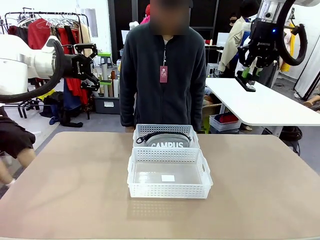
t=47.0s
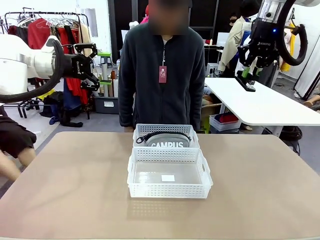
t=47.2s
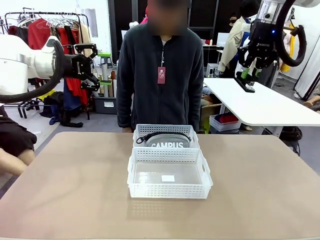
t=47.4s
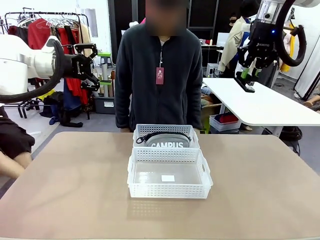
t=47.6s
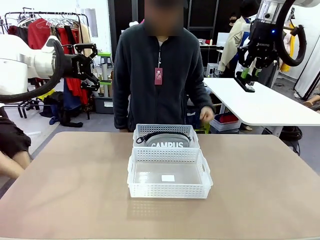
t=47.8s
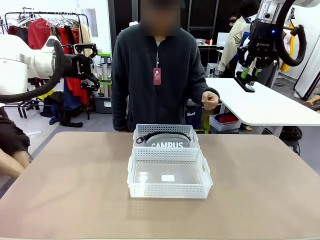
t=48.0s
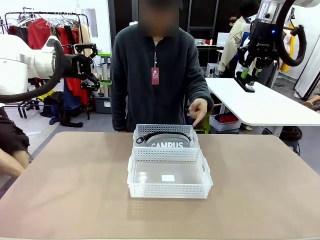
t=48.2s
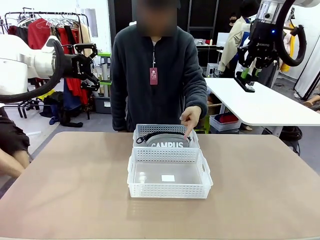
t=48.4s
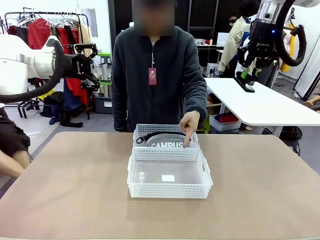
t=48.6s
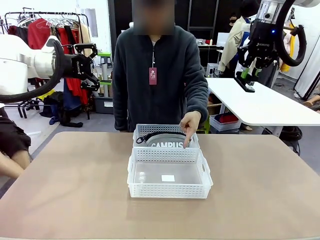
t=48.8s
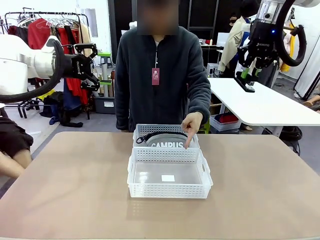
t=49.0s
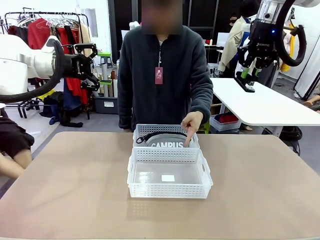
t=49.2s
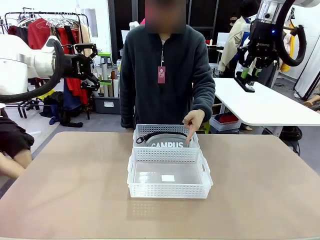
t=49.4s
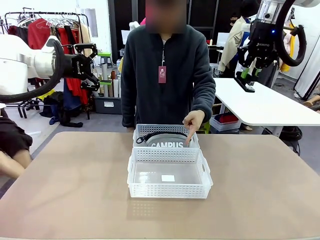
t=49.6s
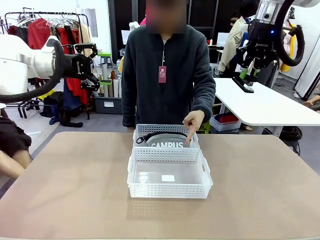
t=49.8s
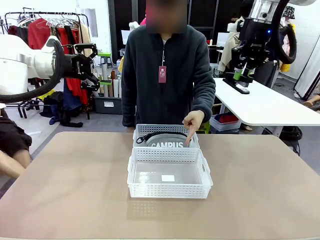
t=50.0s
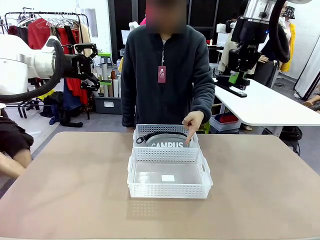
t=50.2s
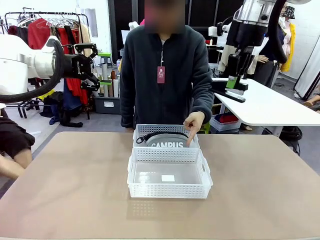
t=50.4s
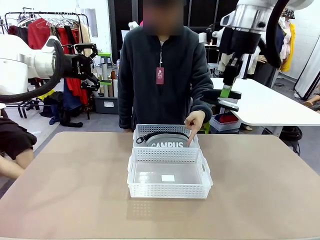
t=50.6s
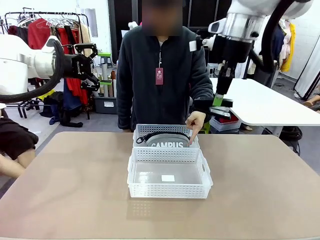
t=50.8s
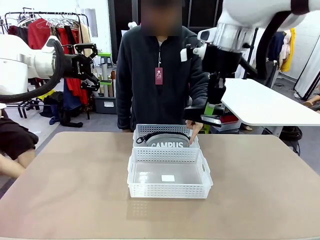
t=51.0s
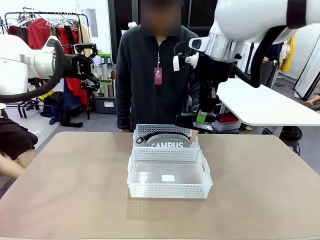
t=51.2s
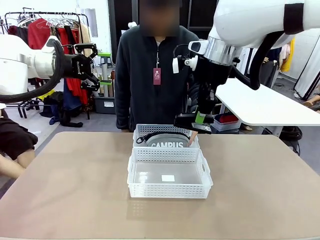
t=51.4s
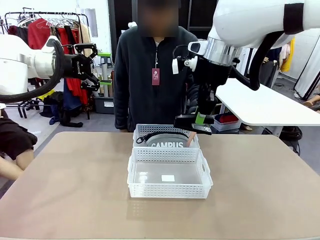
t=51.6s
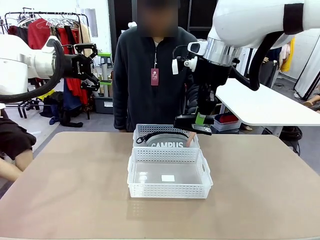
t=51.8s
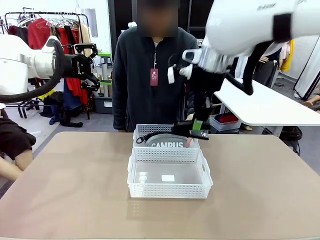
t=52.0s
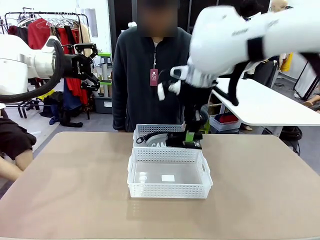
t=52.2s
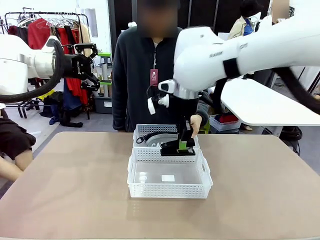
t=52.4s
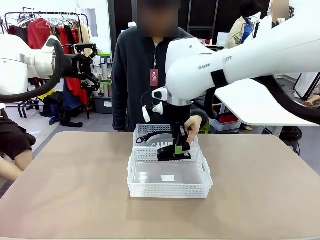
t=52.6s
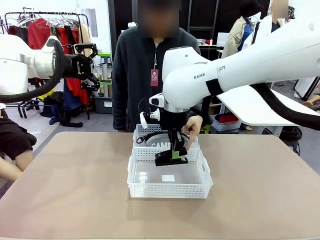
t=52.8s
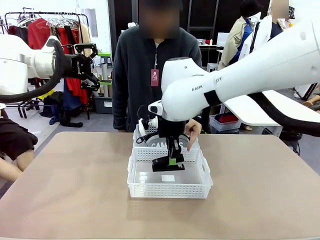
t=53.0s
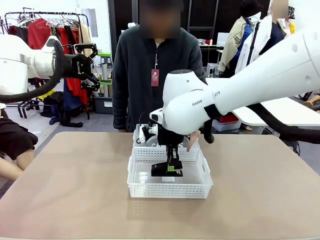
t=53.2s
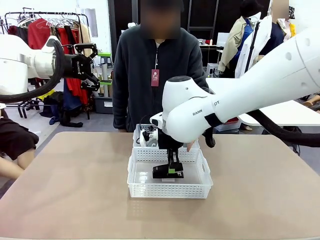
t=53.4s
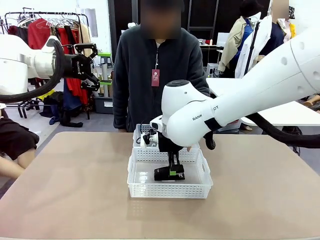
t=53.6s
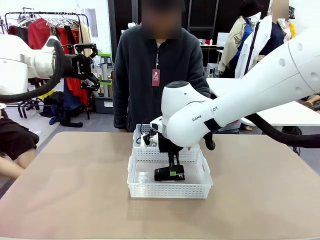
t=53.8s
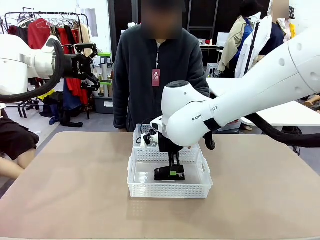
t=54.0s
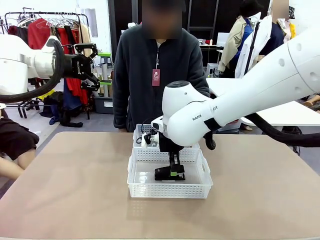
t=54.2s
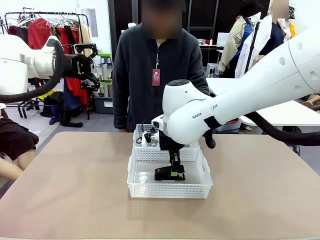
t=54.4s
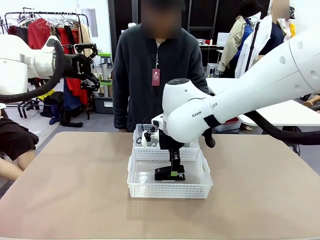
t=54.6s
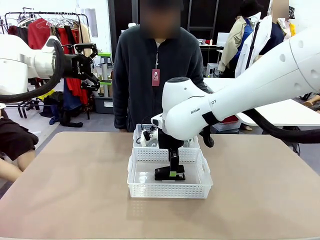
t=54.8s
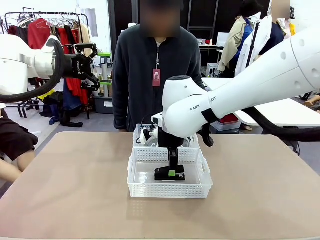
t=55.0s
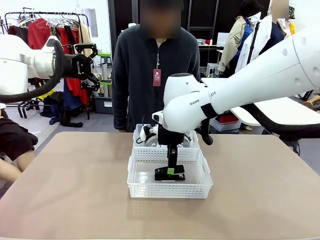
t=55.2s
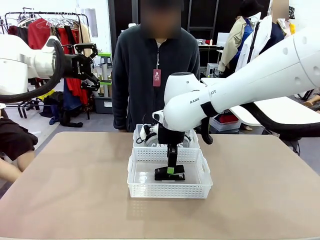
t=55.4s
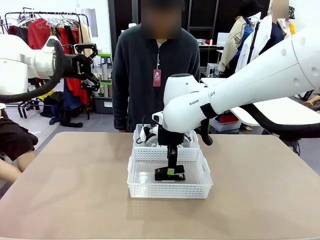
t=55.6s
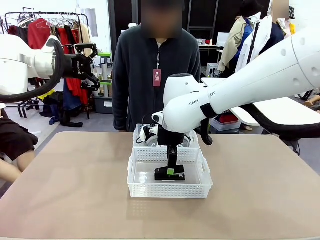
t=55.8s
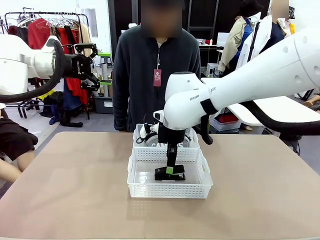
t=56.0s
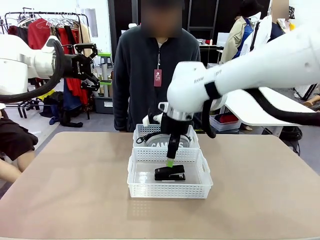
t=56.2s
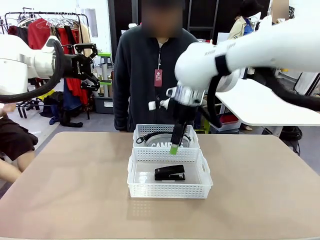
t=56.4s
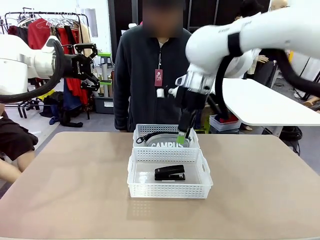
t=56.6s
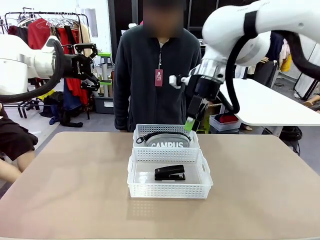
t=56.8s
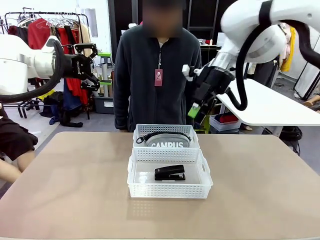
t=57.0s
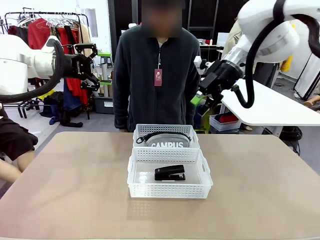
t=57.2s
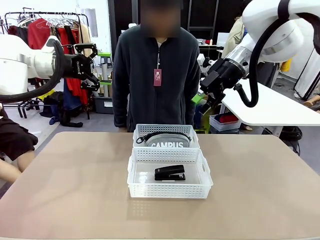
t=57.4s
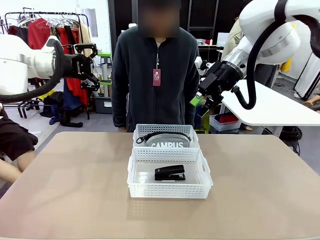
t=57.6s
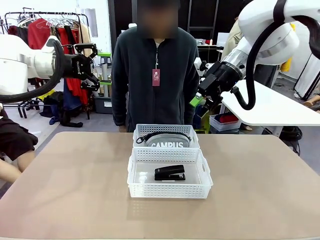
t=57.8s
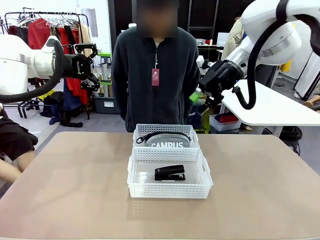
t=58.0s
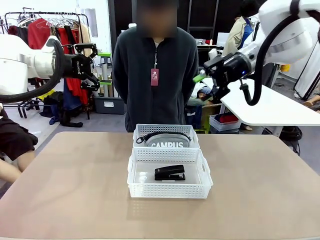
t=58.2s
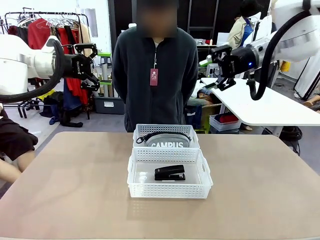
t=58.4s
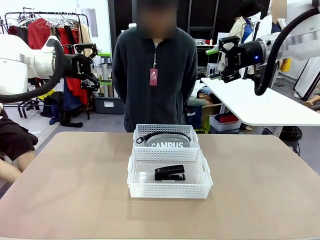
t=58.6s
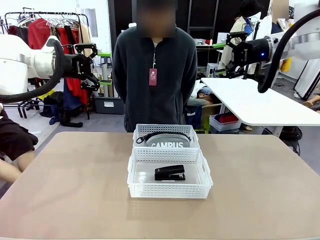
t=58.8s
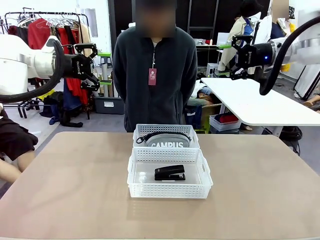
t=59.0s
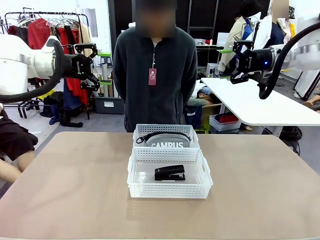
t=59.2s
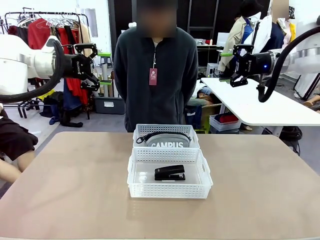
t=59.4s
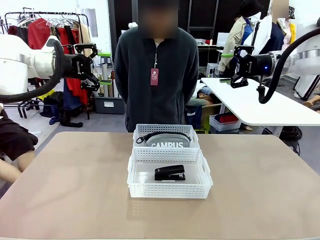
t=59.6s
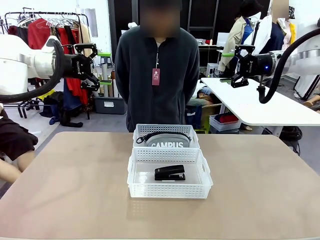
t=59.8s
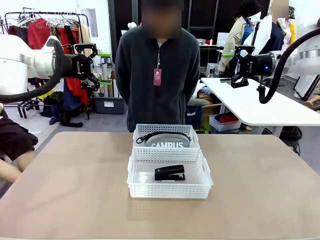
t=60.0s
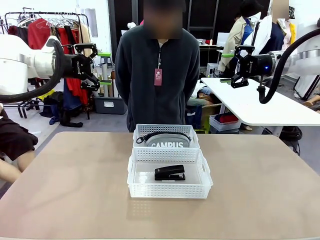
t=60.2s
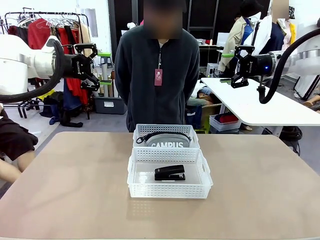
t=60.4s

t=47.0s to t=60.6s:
Task: Distribute items into two baskets.
Robot: Place the picked Stapler into the Organizing basket as instructed by the person.
Person: Points to the basket that does not contain the pencil case and instructs the robot to move the stapler there.
